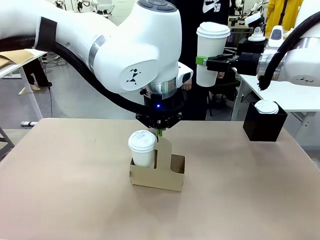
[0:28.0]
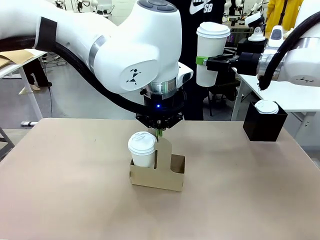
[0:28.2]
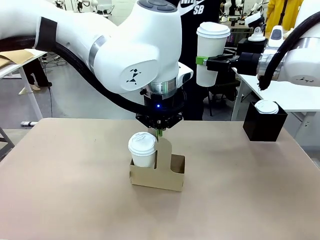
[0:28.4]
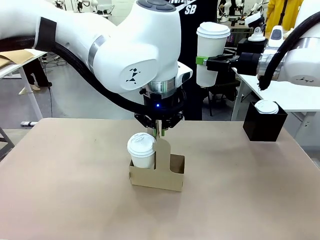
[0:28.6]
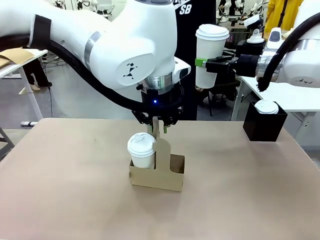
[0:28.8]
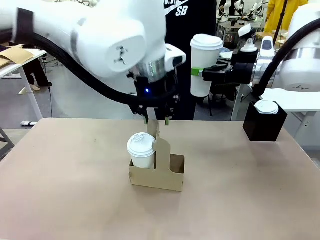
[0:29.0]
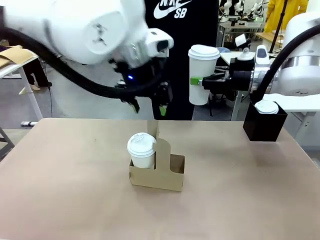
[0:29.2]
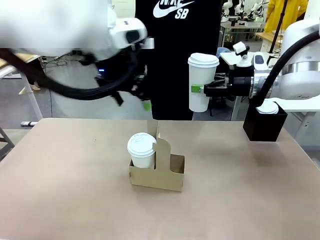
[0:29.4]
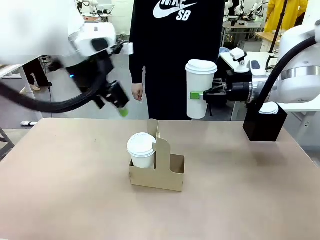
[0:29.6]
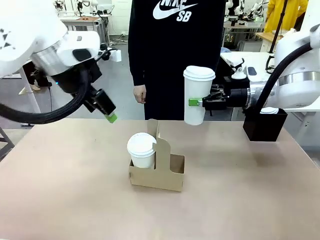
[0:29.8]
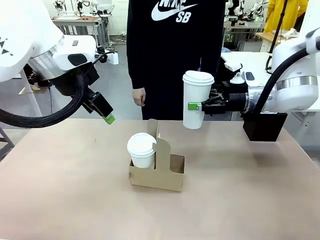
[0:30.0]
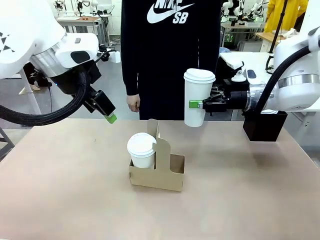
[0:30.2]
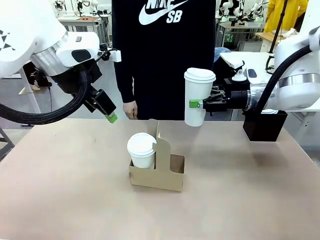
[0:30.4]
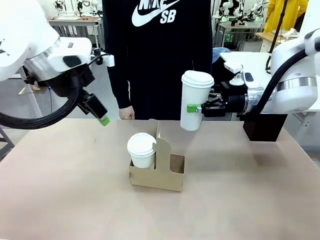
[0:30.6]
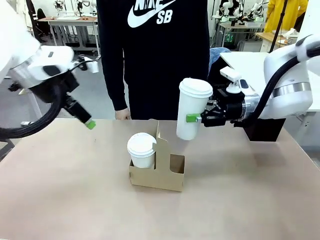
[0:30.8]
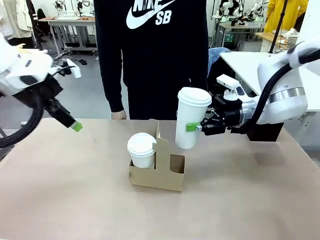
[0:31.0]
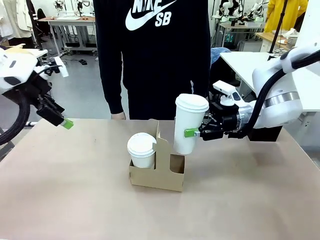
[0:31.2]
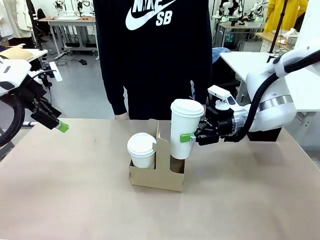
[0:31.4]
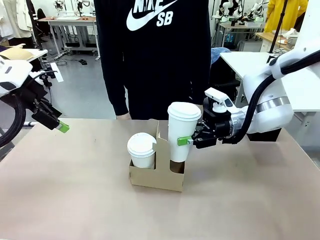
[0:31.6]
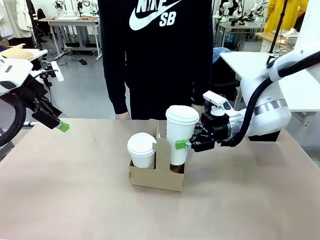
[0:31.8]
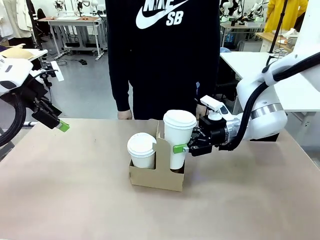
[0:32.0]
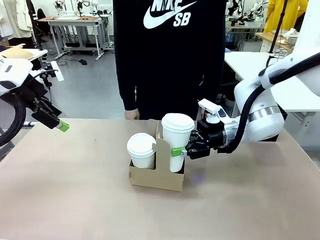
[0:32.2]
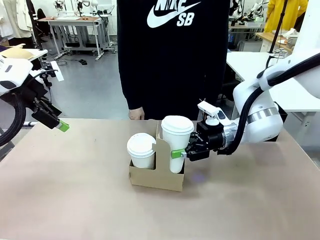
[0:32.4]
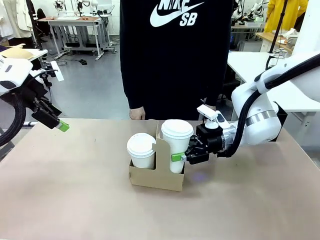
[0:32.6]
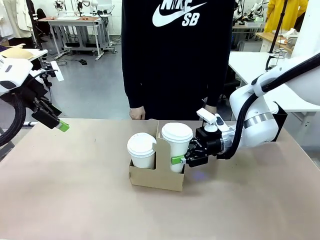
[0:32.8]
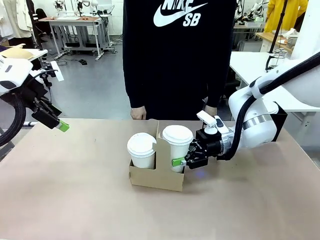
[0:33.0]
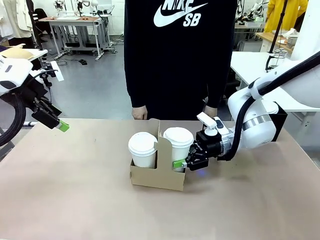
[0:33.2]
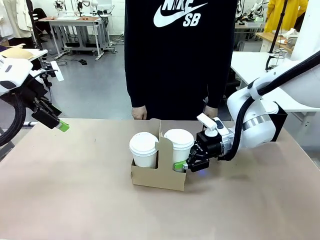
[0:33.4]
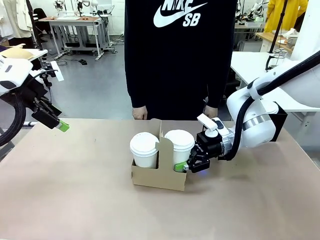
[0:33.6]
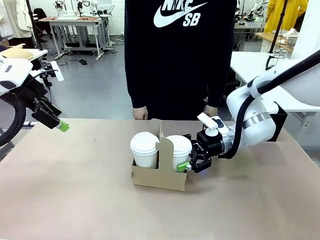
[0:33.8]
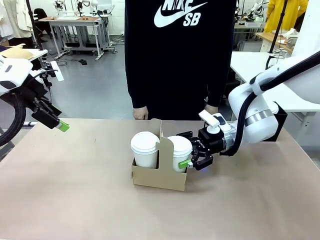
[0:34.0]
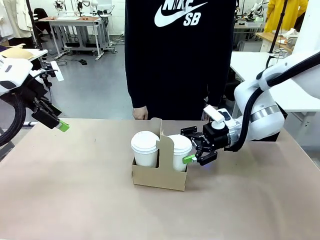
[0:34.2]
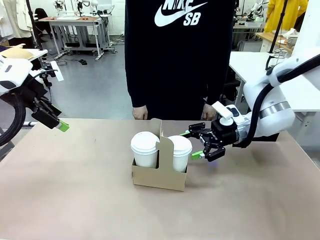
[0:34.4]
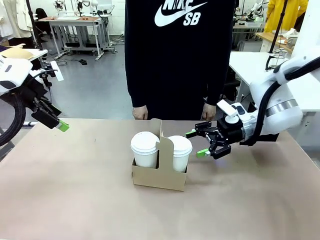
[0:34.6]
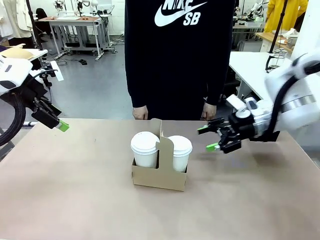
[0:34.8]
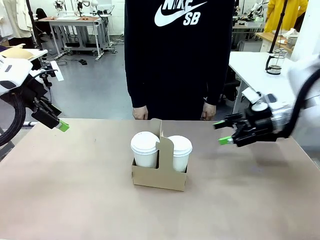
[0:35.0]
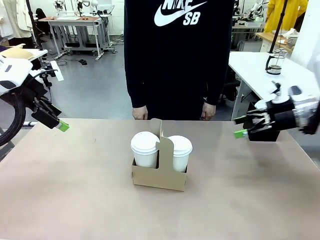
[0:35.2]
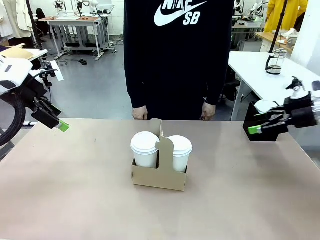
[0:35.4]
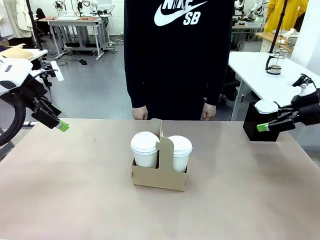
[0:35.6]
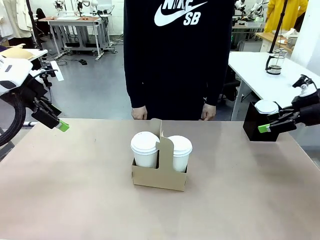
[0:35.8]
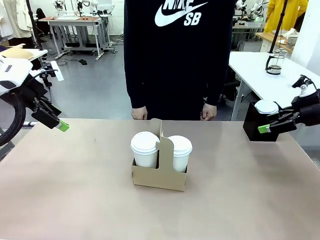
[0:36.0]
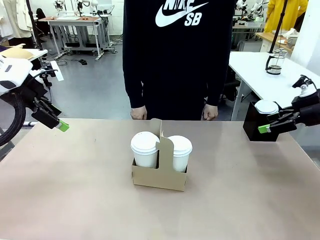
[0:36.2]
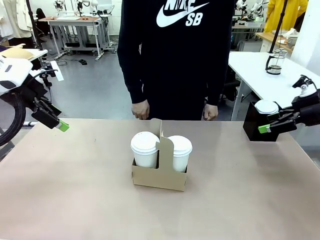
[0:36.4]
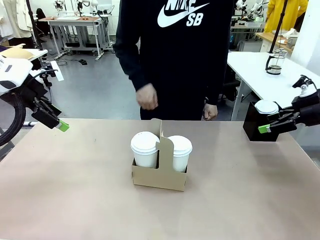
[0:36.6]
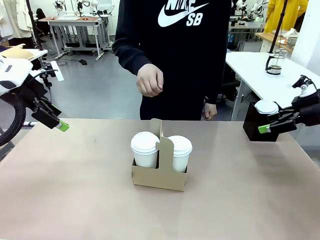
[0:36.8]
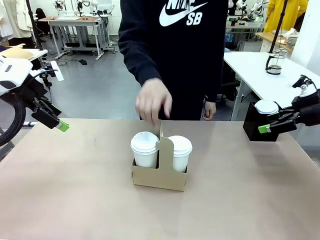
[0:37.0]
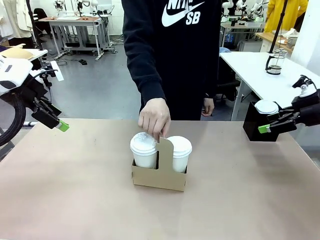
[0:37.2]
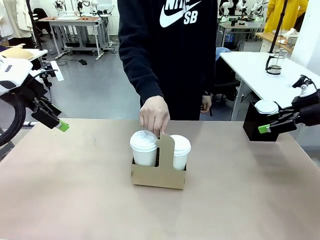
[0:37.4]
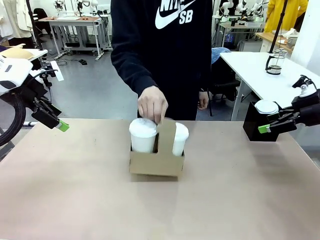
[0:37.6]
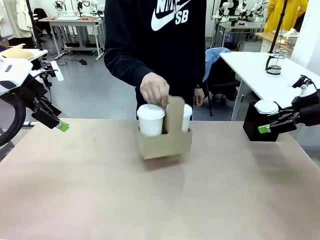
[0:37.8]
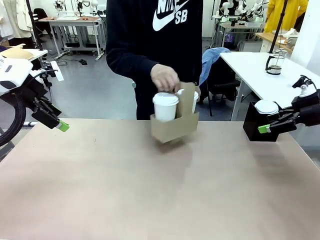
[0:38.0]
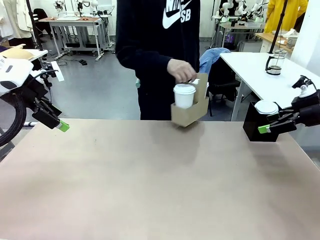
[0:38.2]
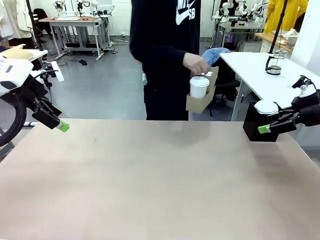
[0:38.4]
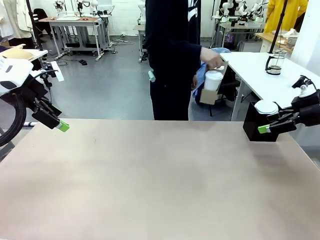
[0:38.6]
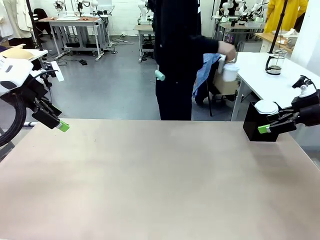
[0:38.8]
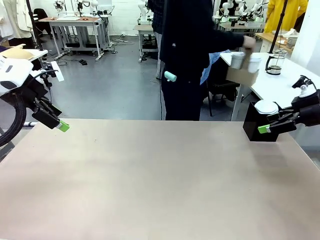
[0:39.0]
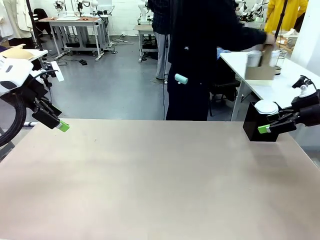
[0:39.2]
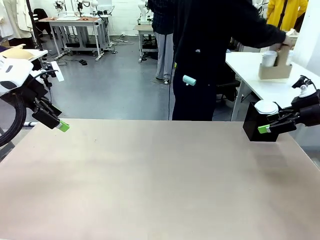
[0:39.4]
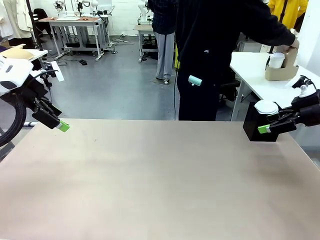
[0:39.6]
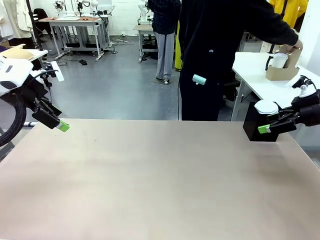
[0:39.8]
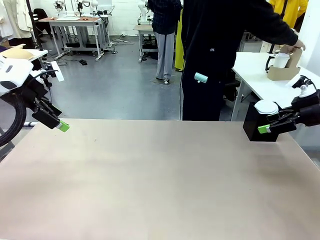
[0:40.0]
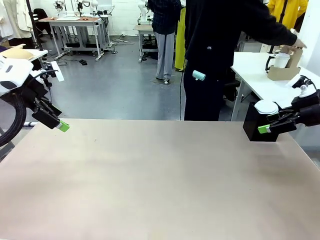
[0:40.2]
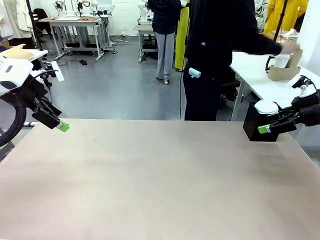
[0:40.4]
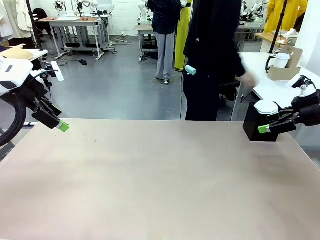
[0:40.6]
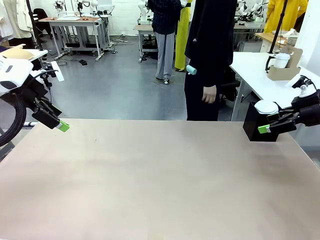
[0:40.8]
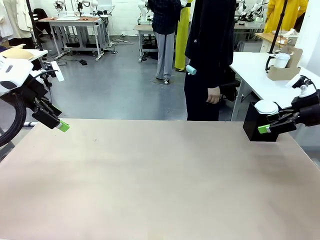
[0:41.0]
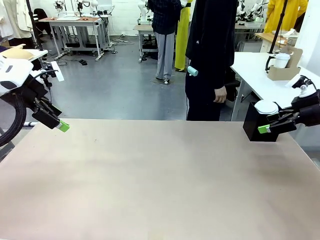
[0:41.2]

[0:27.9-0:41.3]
Task: Pour a drink into a cup and package it in a carrier.
Robot: Insert the held 600 ml Paper Cup into the Cup Carrier.
Person: Place the Cup Carrier to the middle of Human table.

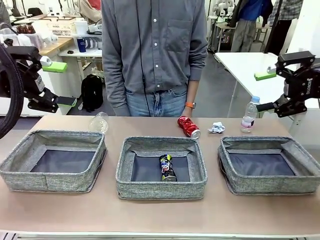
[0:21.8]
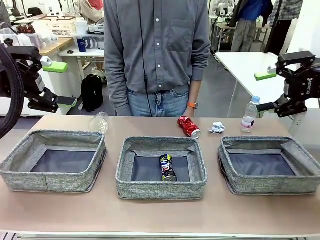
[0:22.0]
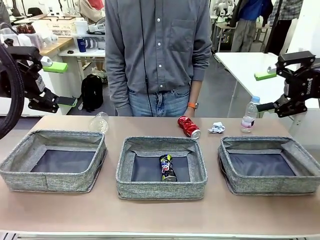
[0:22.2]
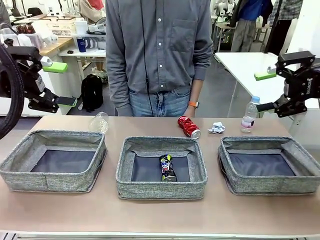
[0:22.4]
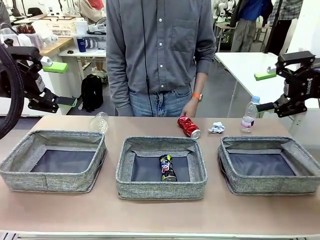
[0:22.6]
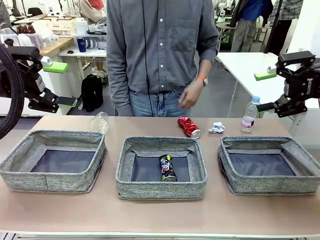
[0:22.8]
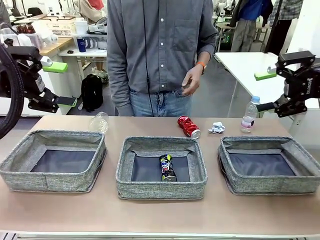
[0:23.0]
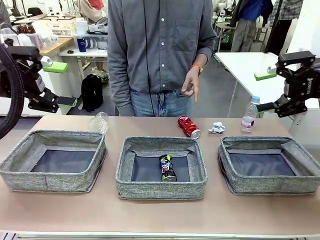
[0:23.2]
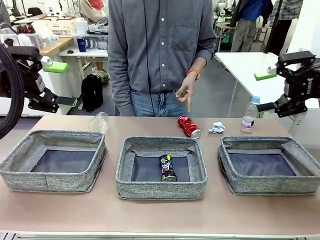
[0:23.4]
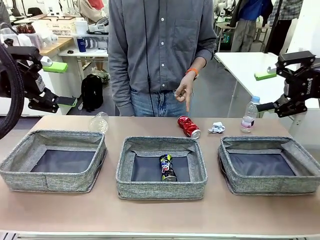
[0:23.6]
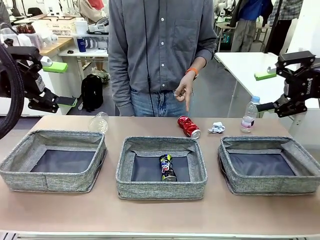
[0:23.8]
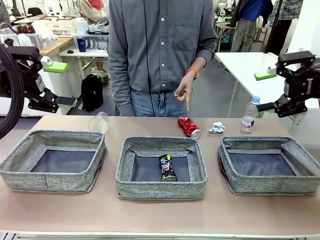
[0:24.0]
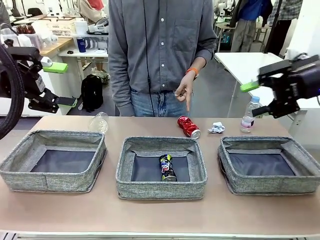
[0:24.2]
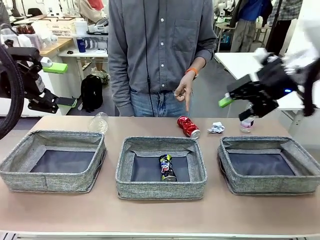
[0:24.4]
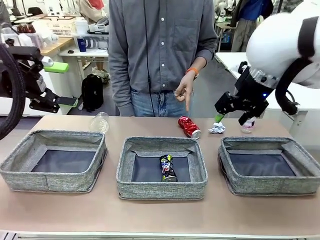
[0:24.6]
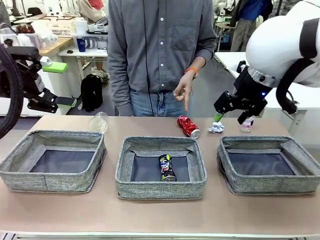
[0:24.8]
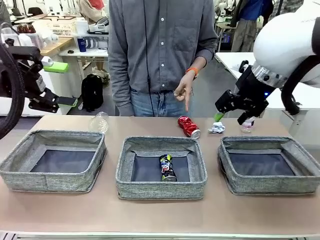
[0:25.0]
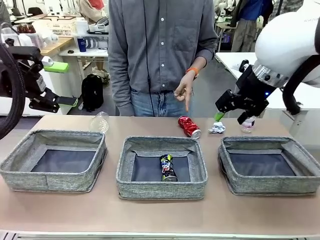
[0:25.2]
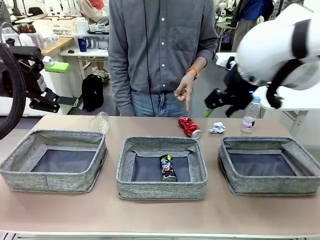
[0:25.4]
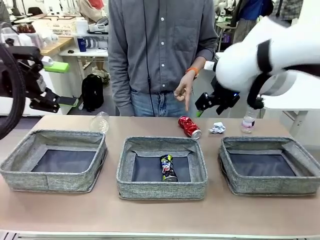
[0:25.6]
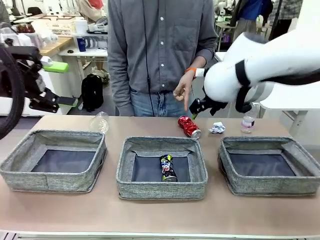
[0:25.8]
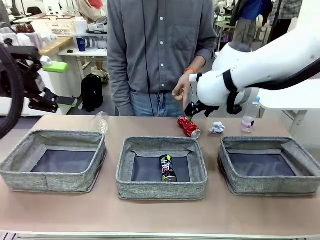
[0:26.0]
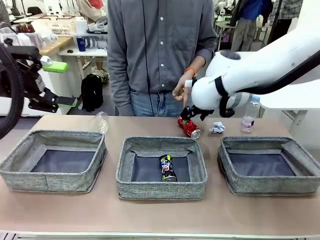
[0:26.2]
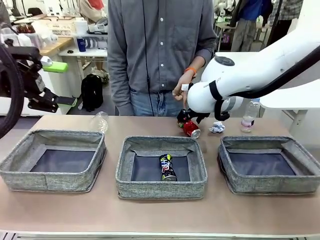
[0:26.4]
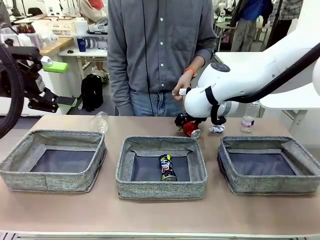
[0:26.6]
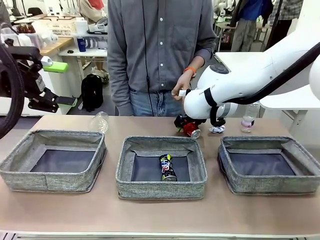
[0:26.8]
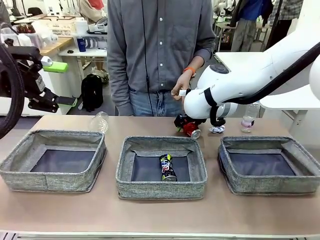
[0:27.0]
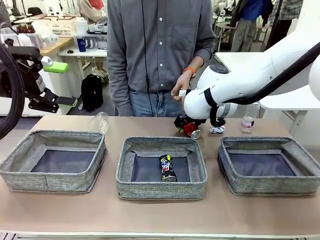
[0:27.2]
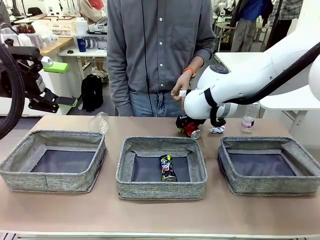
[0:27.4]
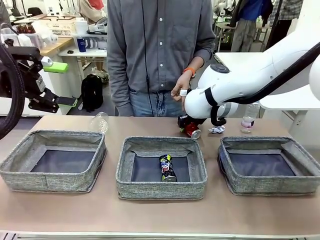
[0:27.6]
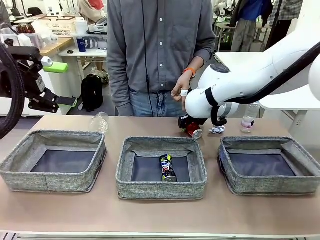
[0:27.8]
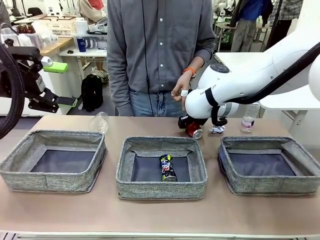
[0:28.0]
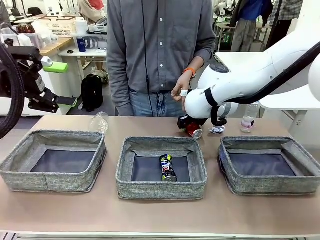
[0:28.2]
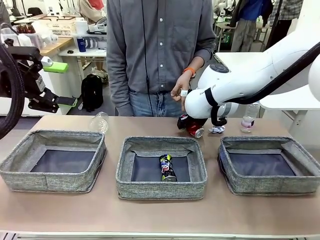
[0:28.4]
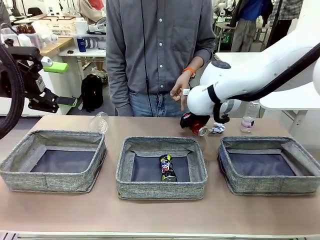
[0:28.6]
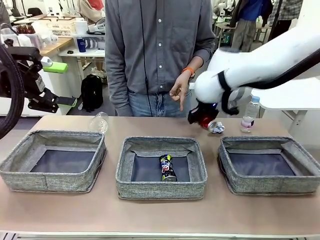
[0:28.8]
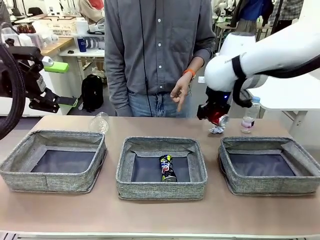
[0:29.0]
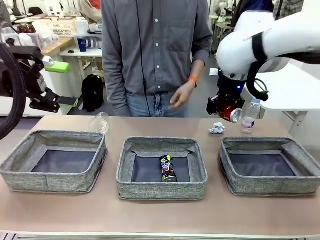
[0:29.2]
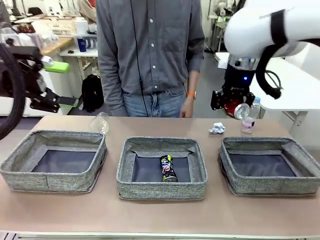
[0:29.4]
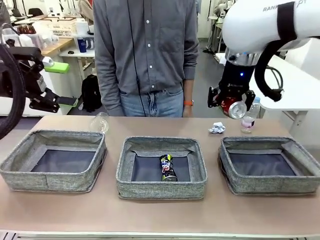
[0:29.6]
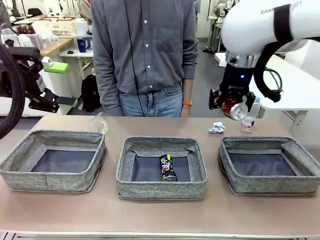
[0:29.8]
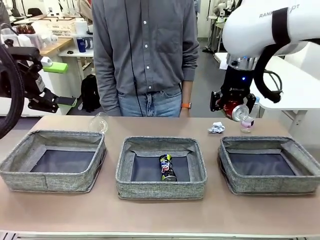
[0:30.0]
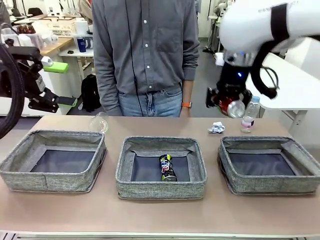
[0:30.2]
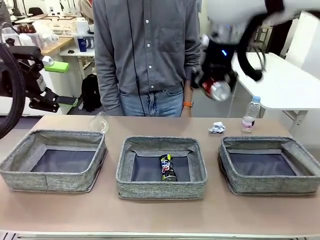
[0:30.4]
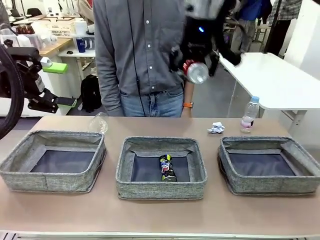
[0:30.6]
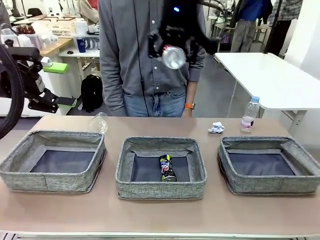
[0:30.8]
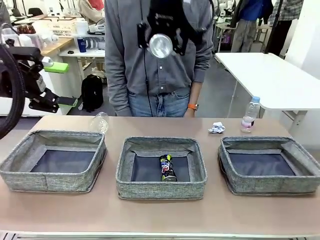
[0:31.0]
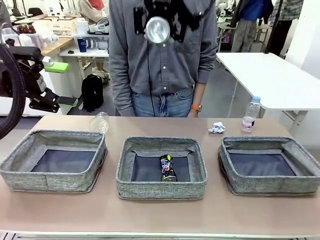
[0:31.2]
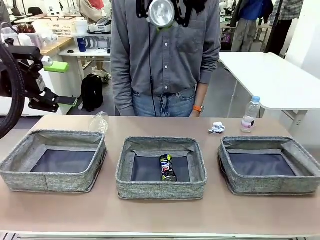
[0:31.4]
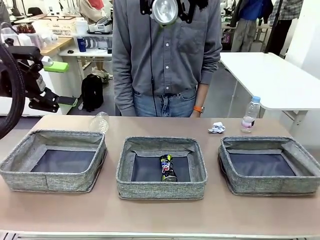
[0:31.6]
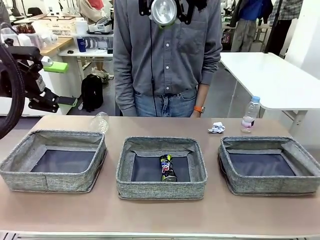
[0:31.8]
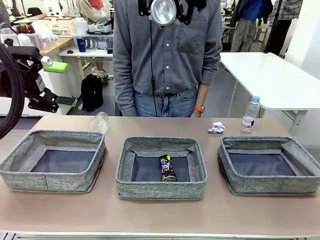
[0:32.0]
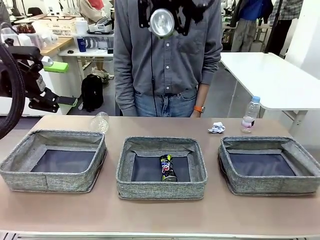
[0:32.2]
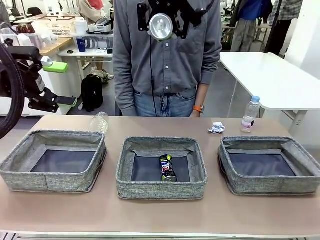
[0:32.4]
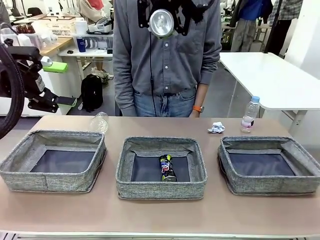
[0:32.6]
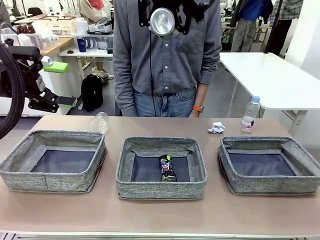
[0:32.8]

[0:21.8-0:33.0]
Task: Sort the waste into the appropriate baskets.
Robot: Pick up the waste item pointed out by the person.
Person: Points to one piece of trash on the table.
